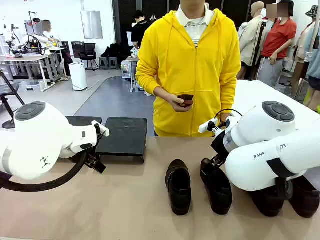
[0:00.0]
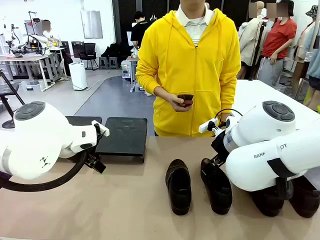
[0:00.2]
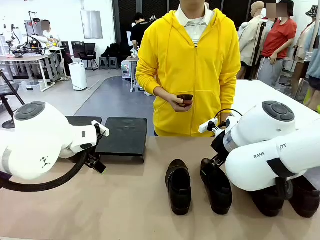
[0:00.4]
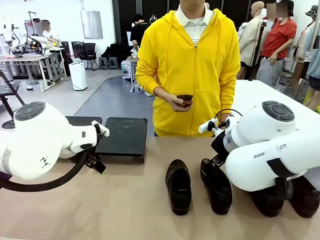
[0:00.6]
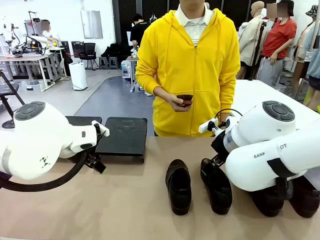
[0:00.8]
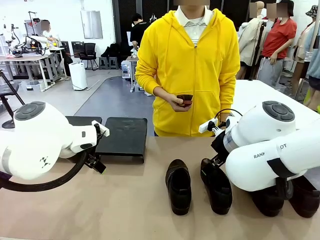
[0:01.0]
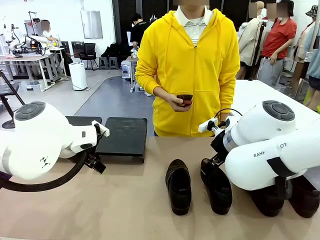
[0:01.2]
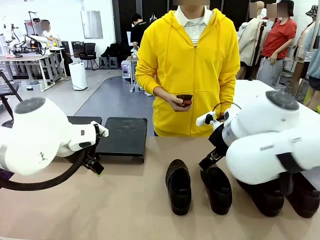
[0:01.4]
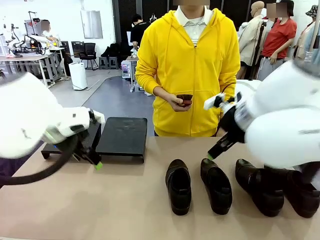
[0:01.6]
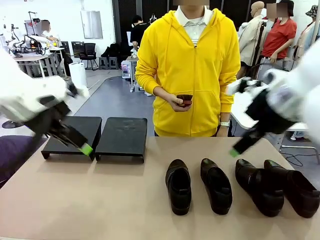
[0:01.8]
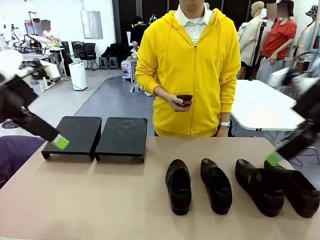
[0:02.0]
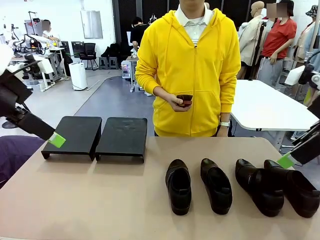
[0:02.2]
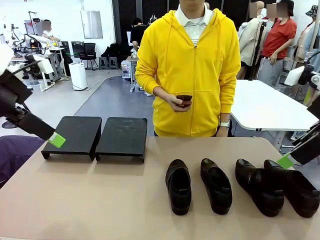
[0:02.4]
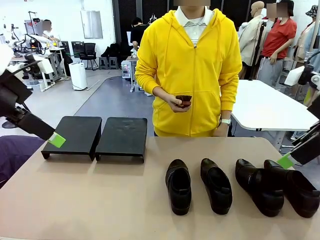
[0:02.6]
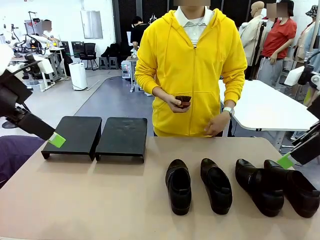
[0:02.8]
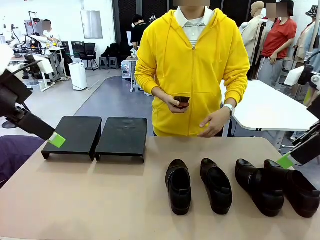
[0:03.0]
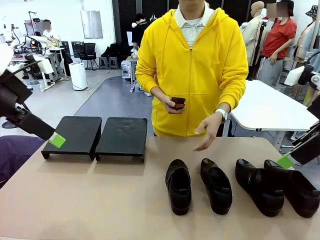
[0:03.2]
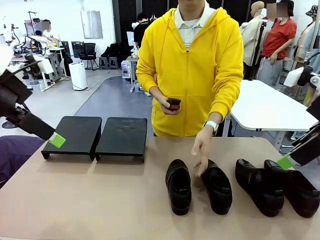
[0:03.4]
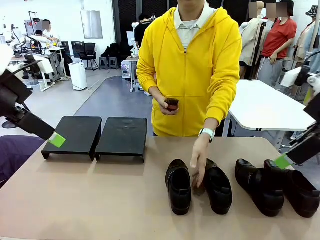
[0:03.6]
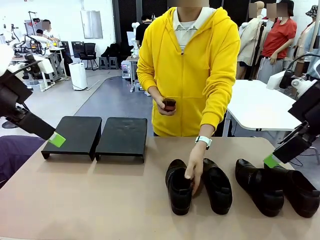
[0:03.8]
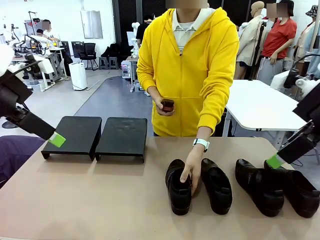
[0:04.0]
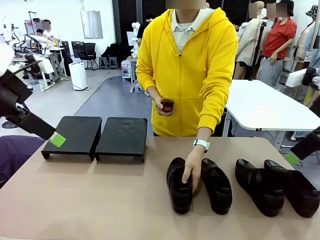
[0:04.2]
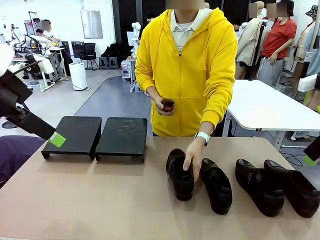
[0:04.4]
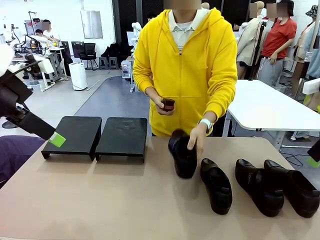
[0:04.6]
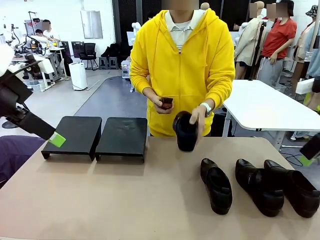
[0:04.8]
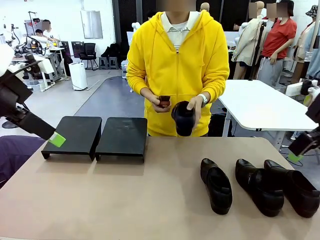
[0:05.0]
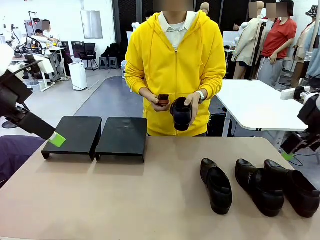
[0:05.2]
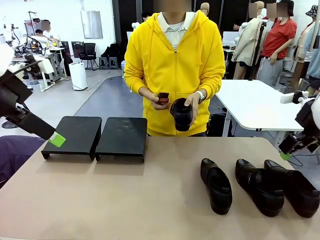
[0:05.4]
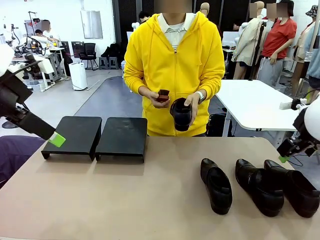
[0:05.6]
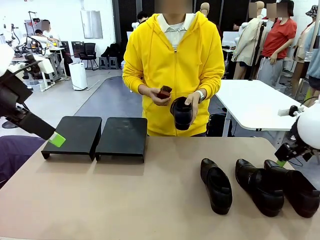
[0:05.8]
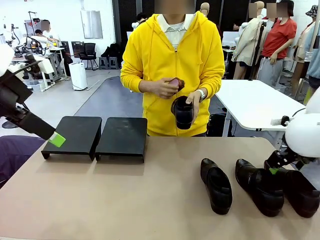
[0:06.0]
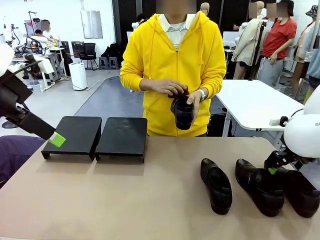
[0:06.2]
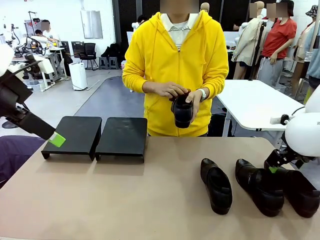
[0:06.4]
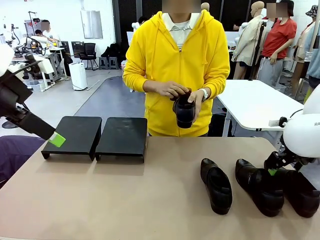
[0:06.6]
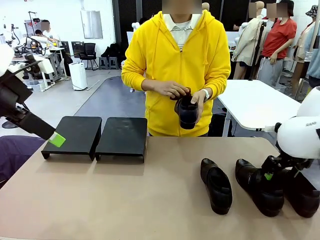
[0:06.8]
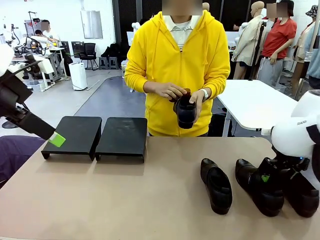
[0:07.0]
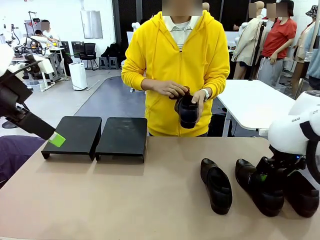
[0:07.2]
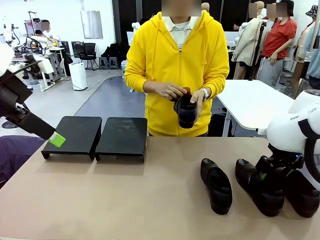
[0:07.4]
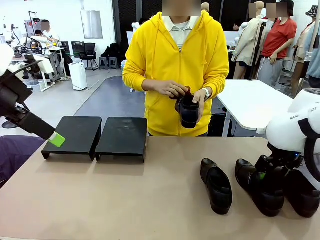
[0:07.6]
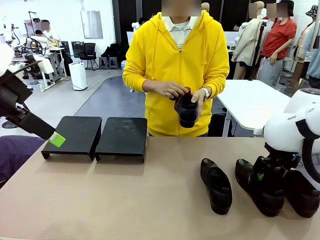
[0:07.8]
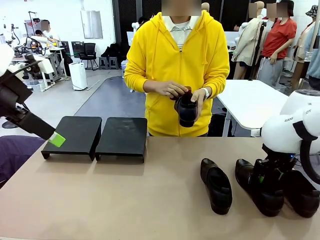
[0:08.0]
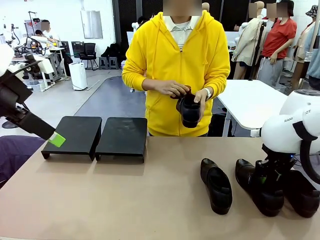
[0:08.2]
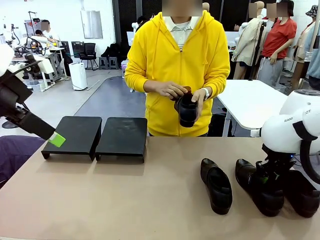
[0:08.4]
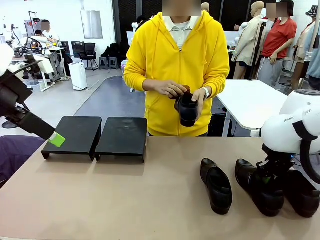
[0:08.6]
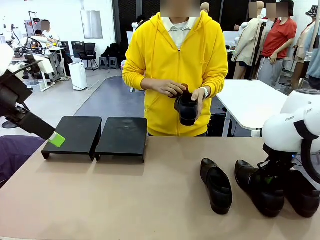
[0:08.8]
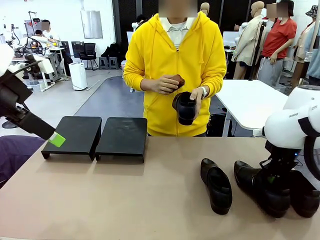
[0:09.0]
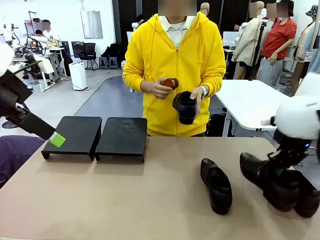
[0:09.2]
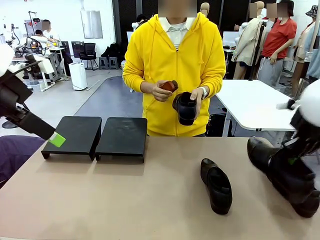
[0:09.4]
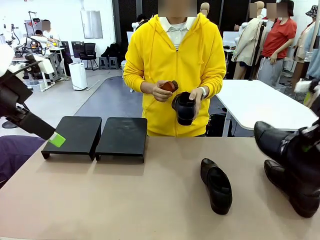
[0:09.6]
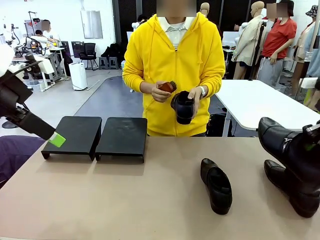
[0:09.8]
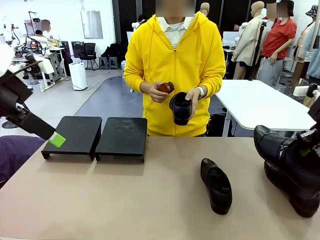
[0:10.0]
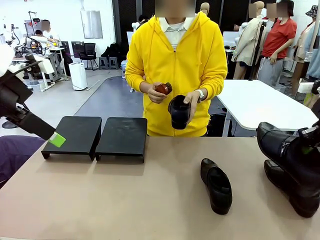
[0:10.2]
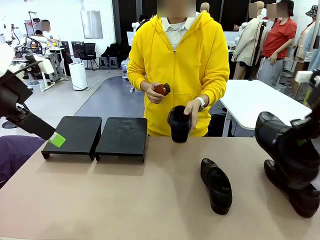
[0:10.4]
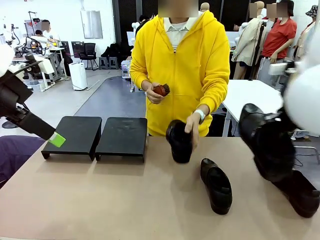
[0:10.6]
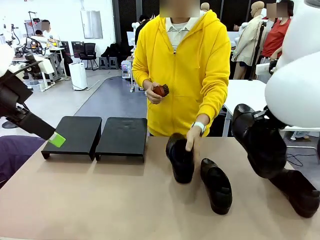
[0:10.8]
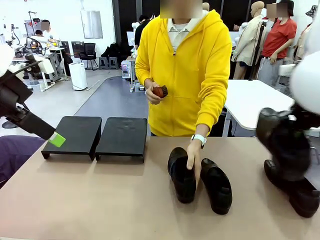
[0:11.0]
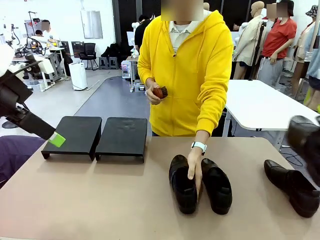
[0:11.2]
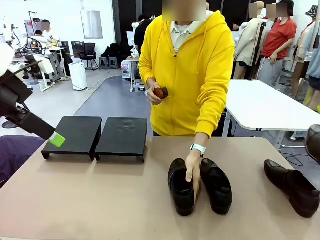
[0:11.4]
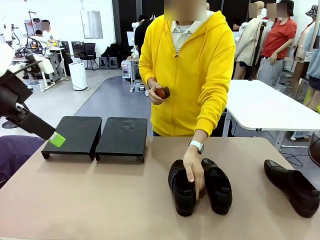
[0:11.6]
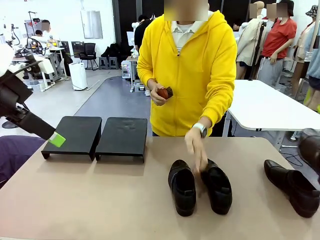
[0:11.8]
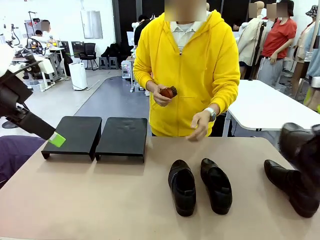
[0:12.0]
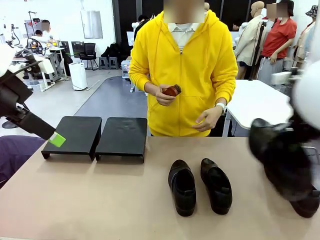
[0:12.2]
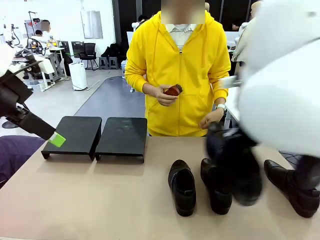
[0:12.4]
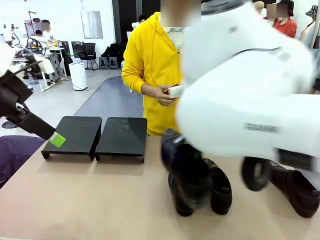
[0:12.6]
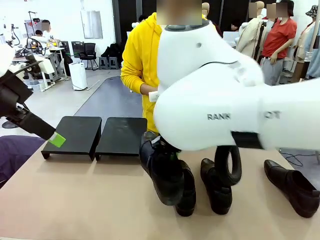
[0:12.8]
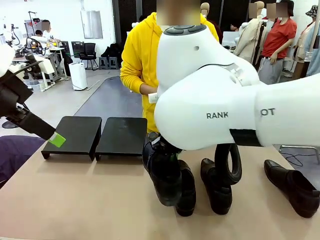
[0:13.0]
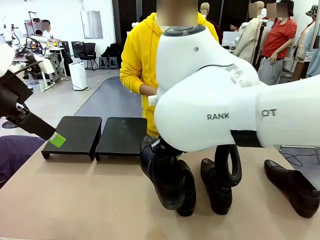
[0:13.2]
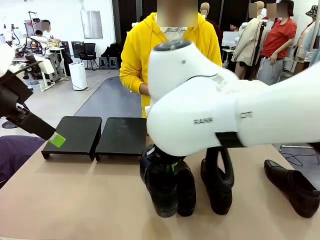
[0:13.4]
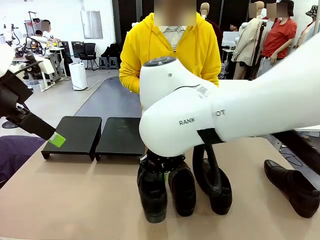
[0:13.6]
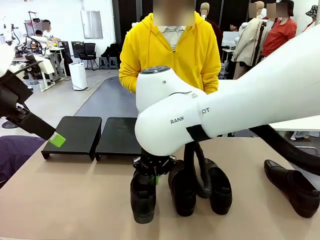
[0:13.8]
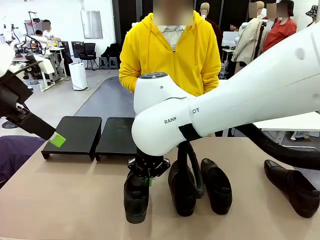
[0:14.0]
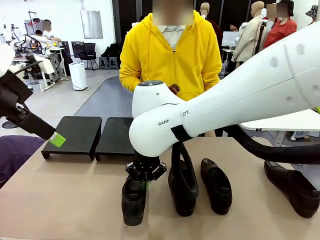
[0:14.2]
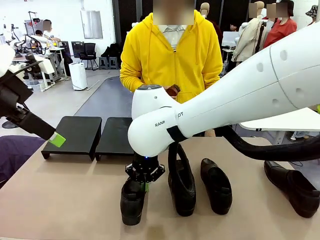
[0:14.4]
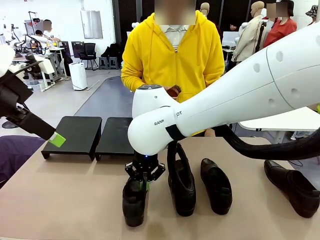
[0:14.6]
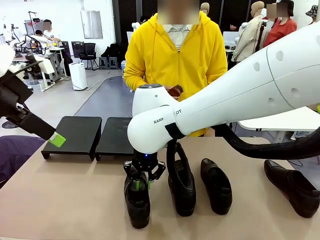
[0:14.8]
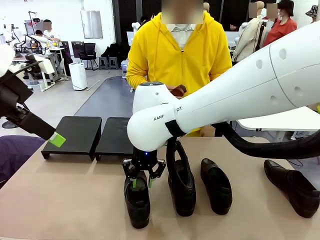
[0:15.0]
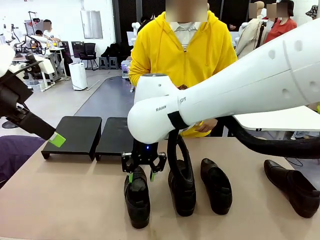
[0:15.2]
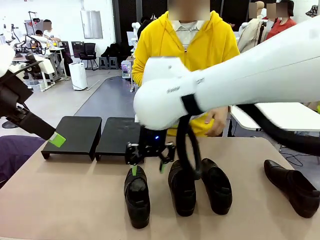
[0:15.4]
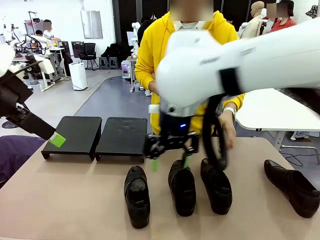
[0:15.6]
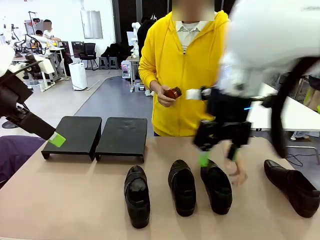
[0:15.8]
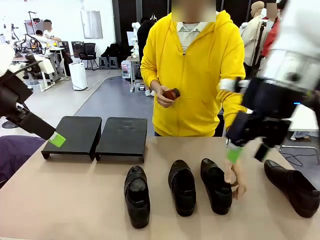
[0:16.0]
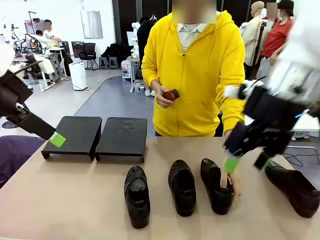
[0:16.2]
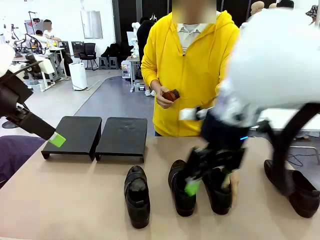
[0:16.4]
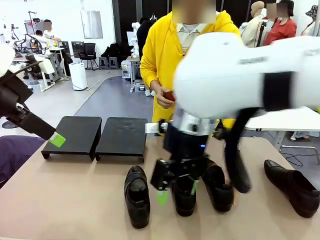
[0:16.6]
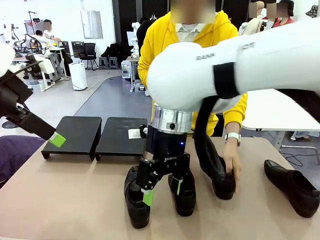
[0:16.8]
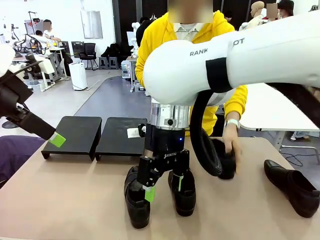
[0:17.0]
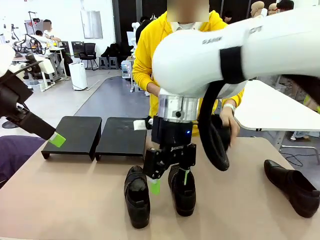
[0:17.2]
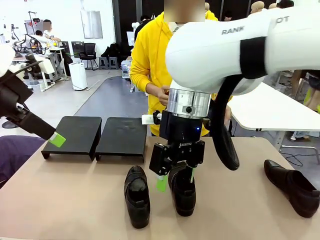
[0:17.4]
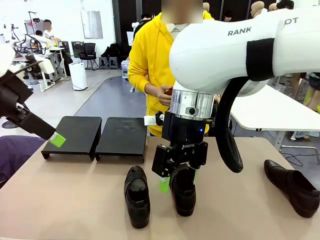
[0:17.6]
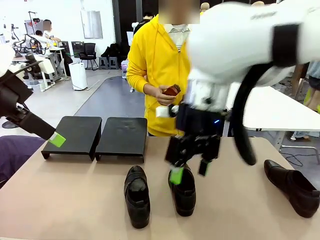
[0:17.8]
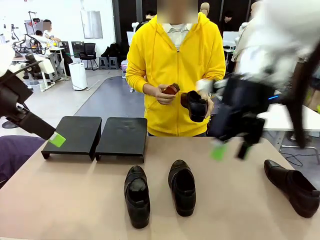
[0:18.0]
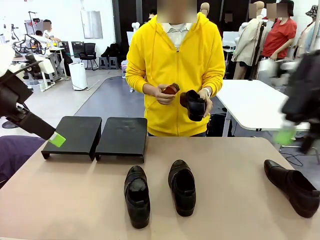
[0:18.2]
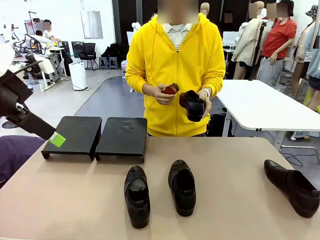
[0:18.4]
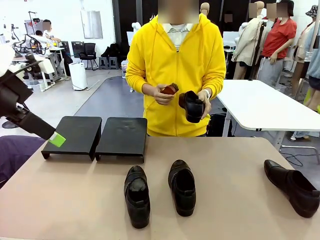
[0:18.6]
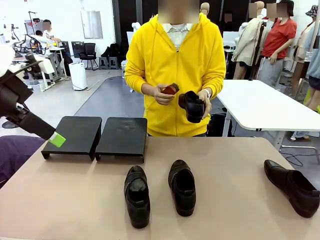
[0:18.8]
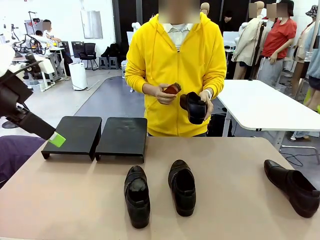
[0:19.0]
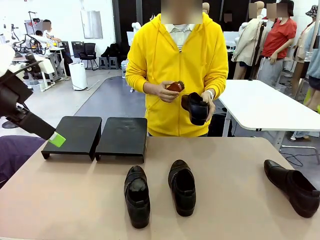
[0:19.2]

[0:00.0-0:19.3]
Task: Organize the shoes by placing them on the stand.
Robot: Pick up one Shoe and place it in the middle of the table.
Person: Pick one Shoe on Robot's table. Clean the Shoe with the Shoe Brush. Place the Shoe on left side of the Robot's table. Pick one Shoe on Robot's table.
